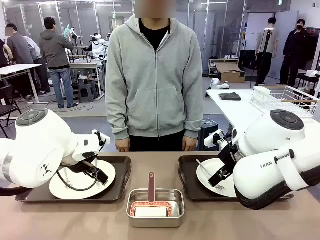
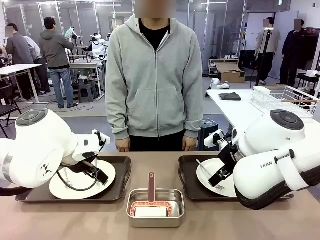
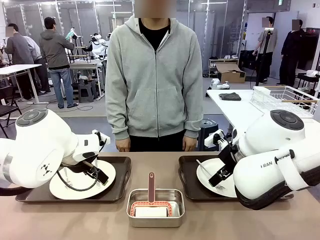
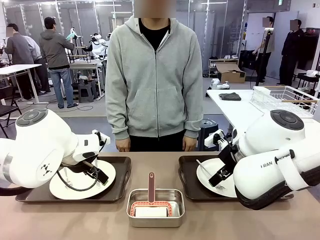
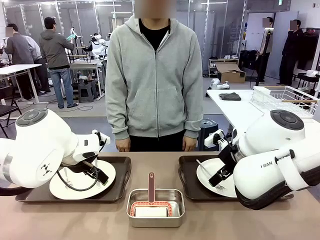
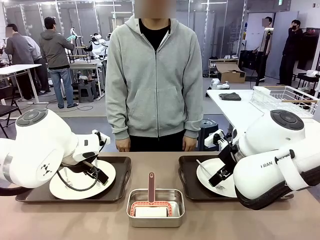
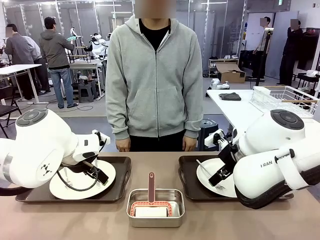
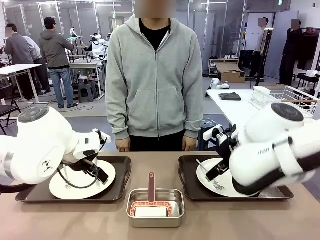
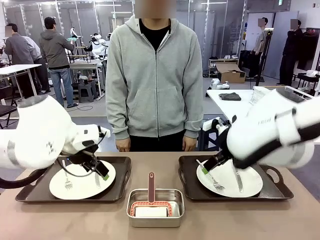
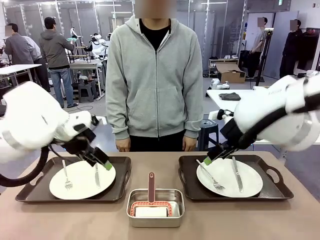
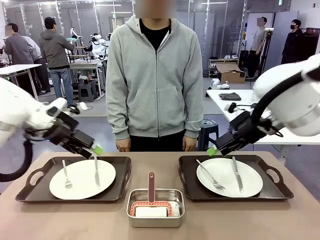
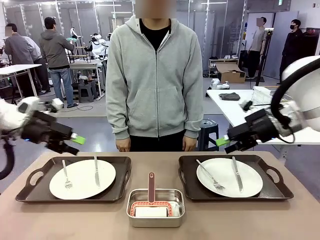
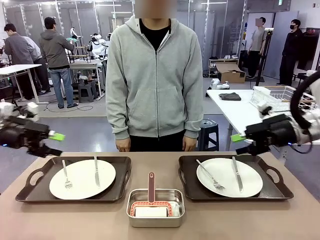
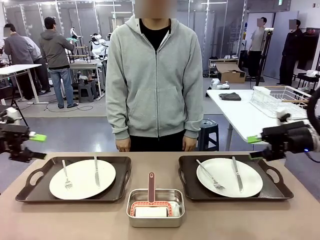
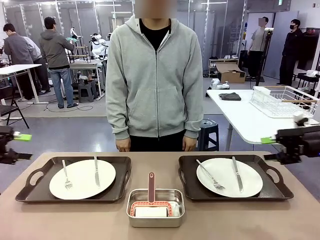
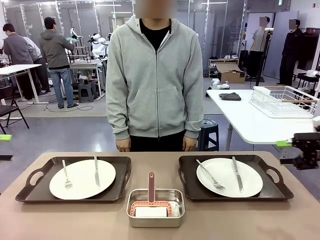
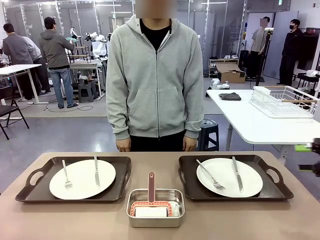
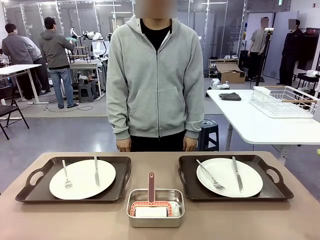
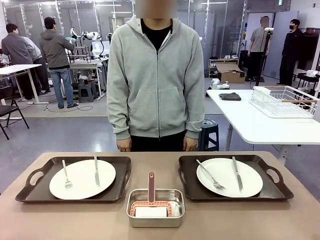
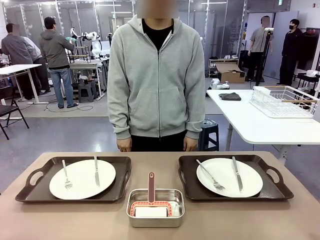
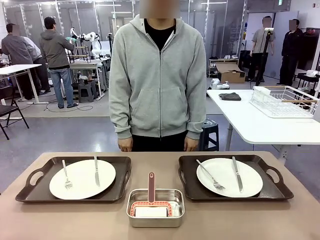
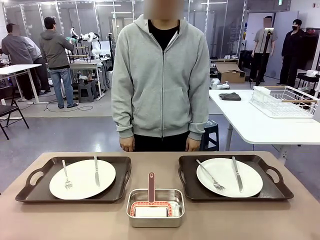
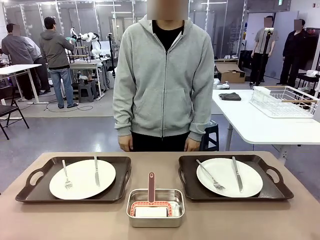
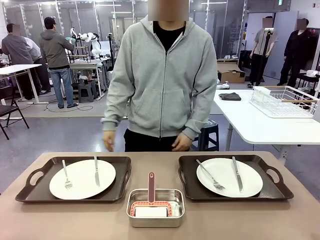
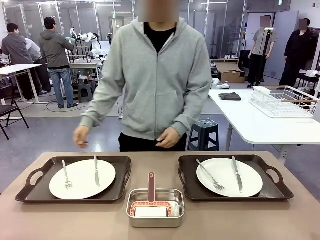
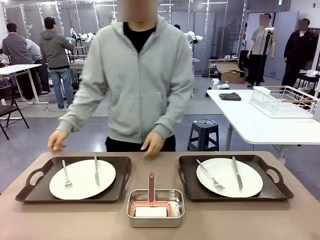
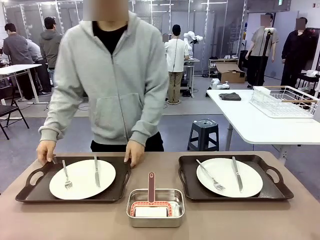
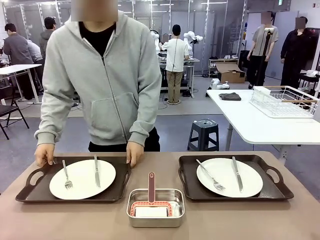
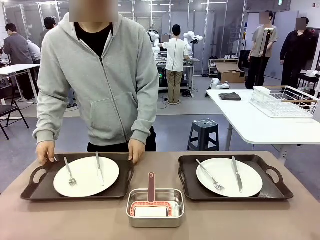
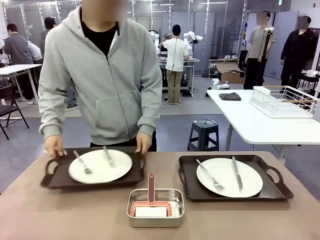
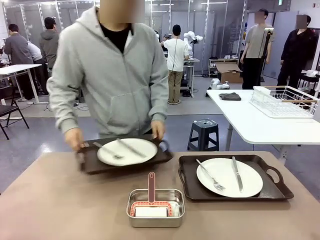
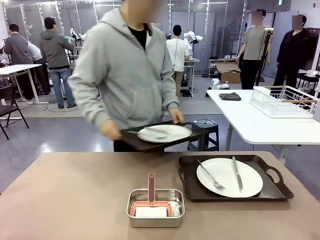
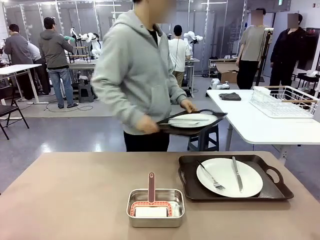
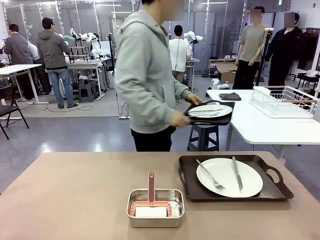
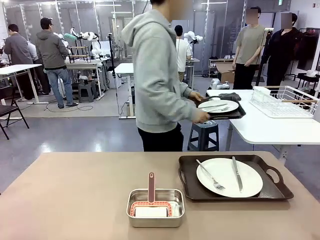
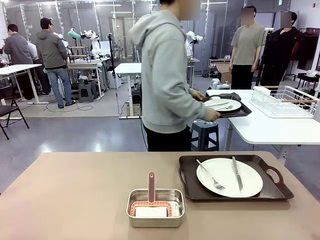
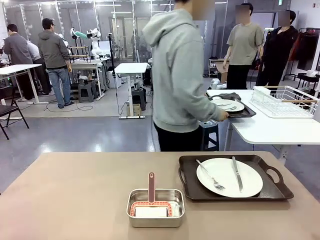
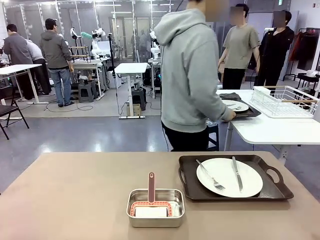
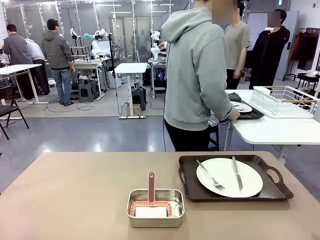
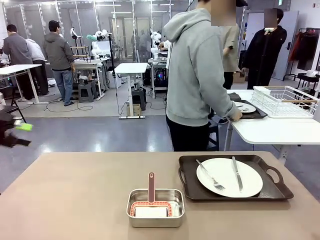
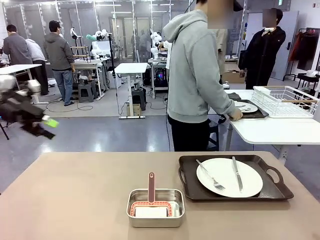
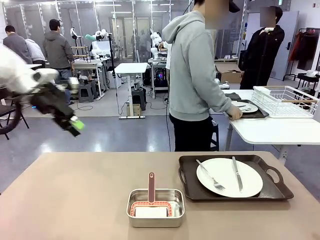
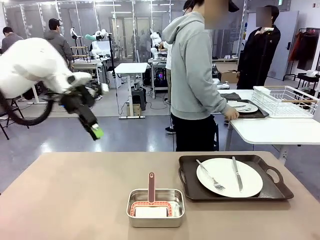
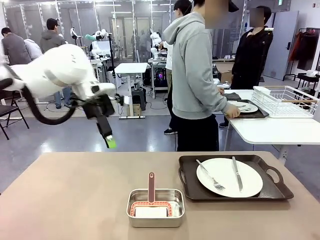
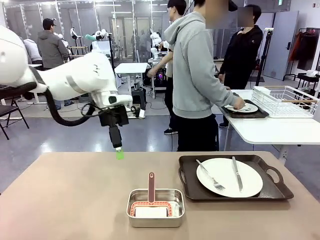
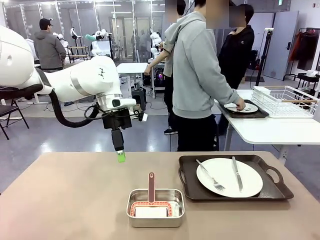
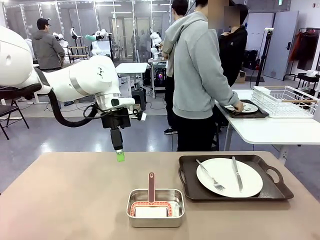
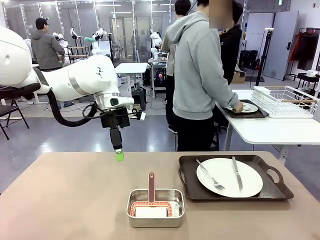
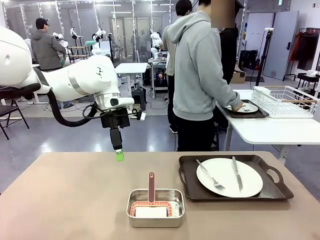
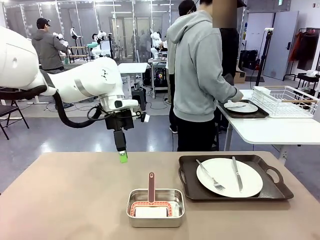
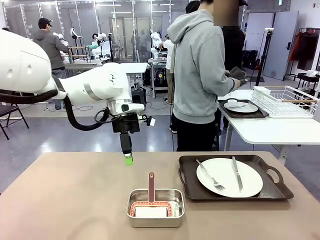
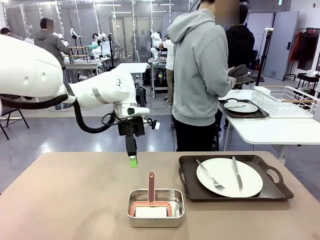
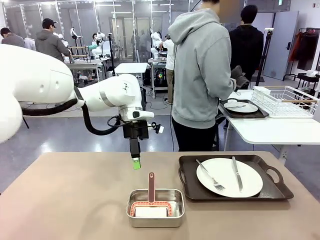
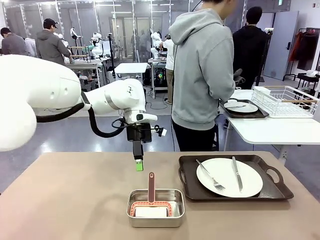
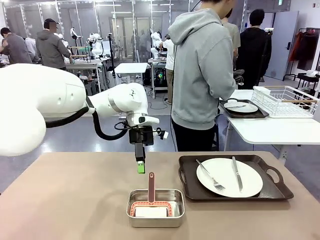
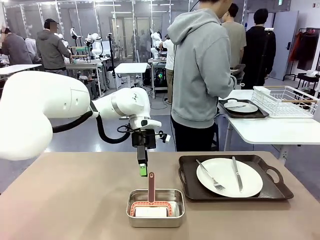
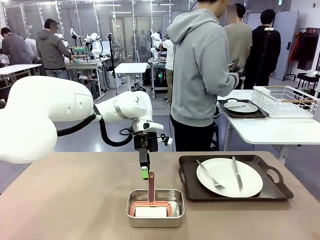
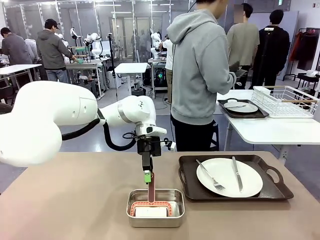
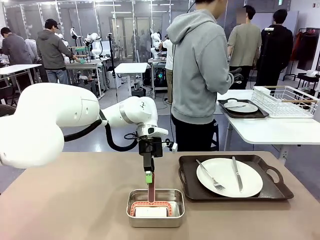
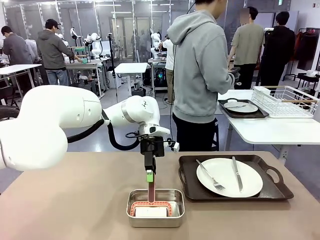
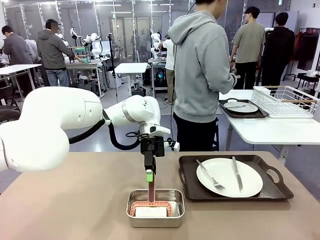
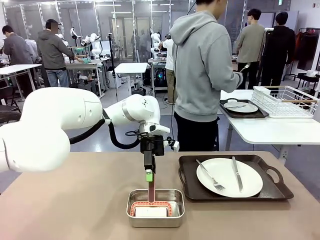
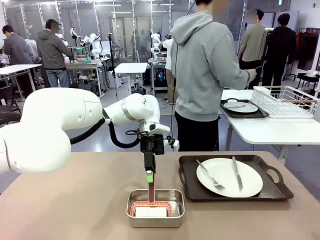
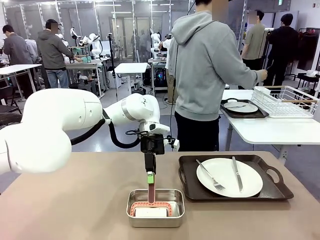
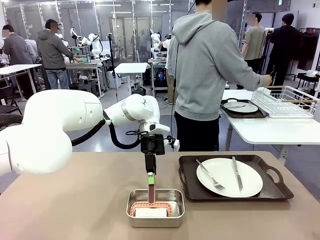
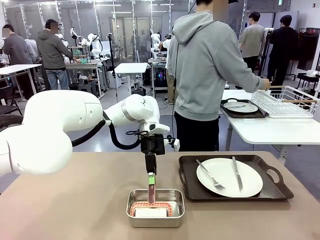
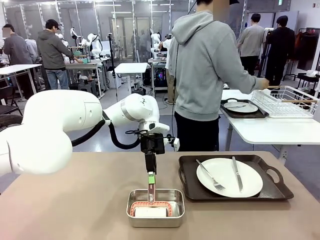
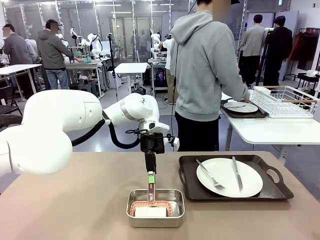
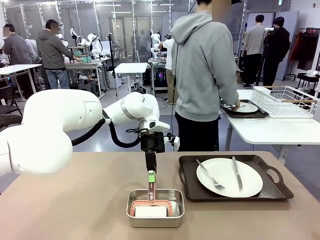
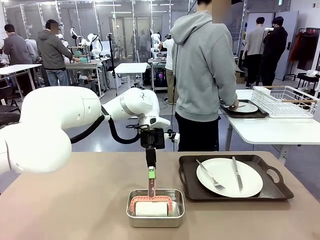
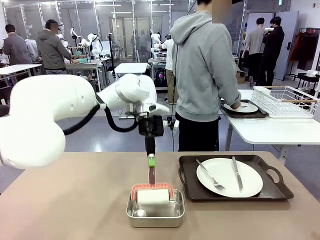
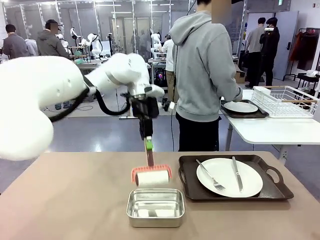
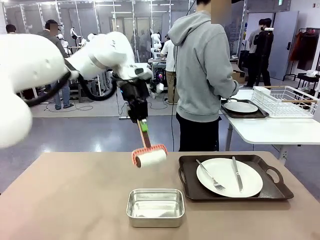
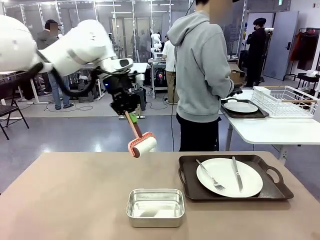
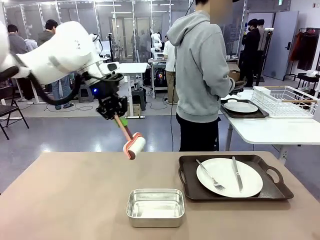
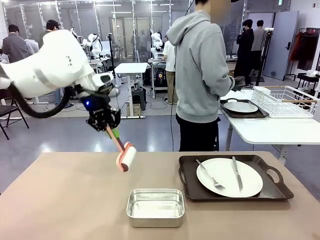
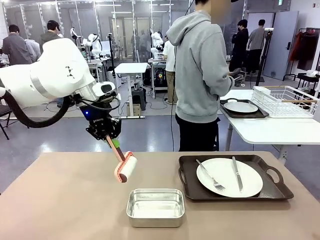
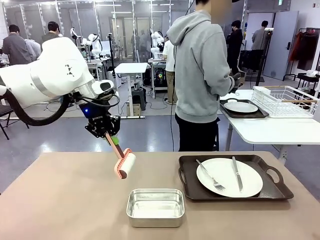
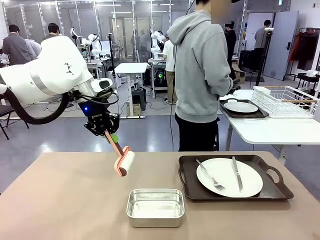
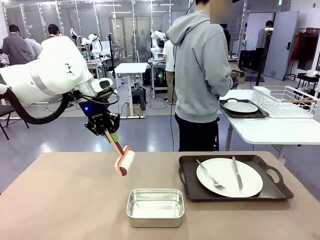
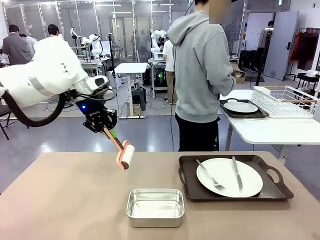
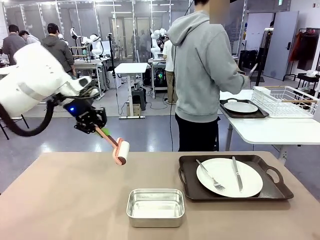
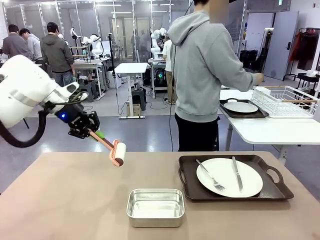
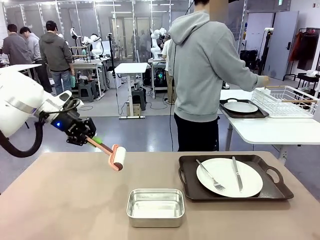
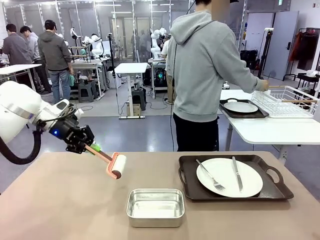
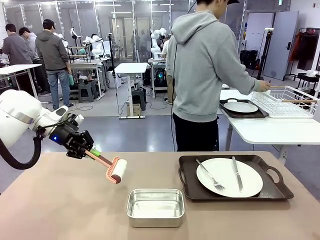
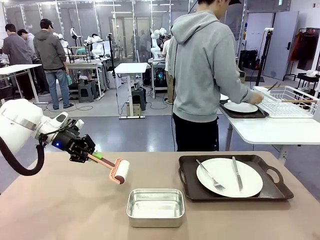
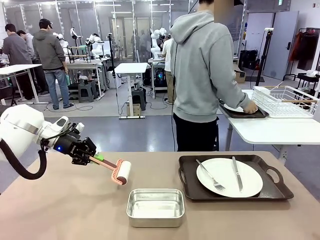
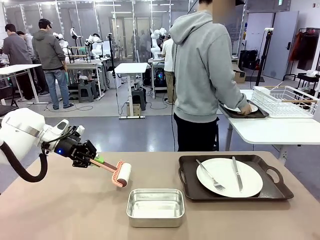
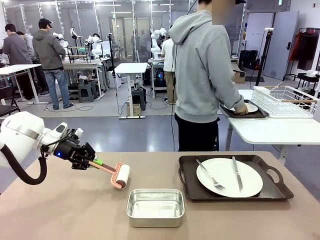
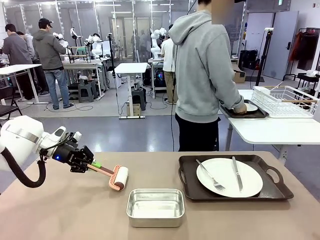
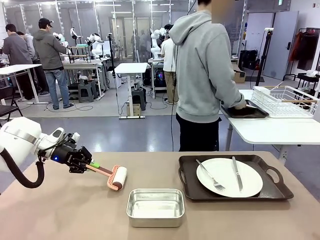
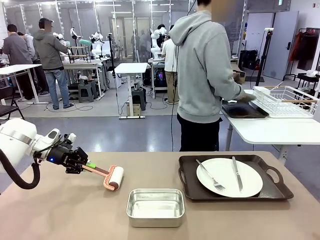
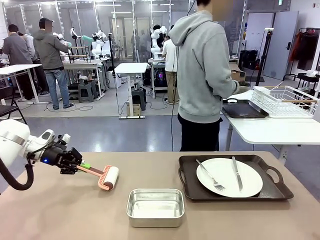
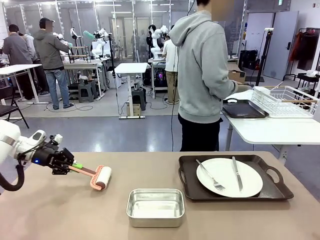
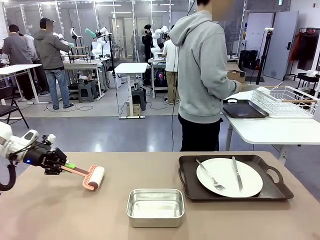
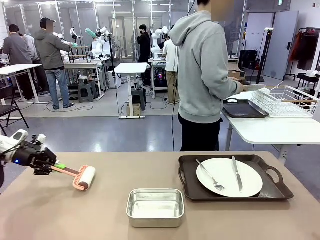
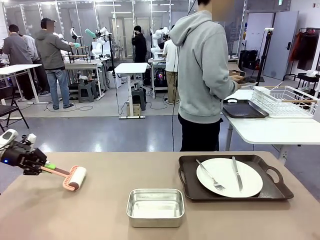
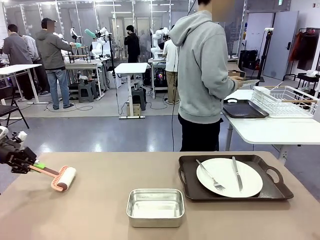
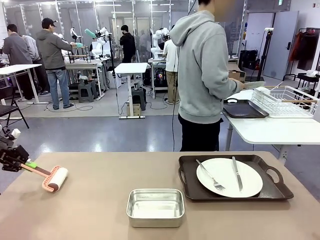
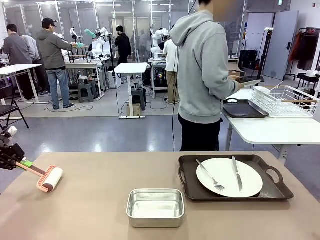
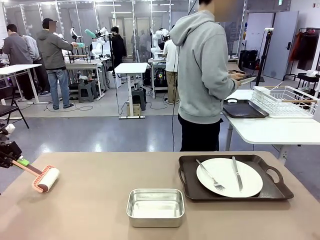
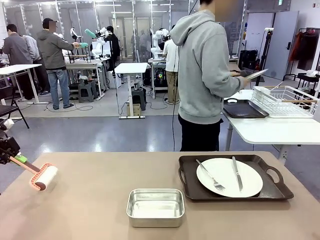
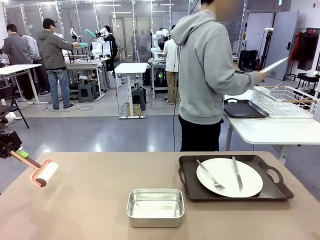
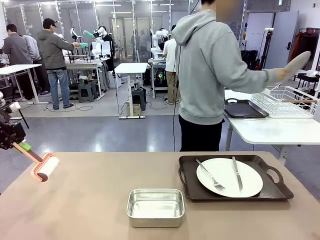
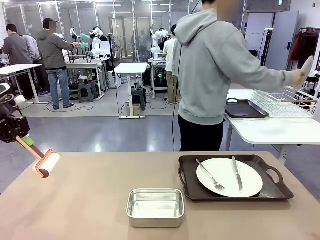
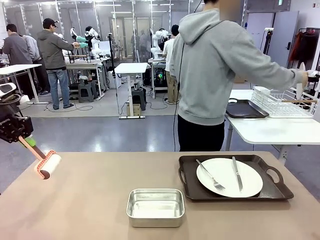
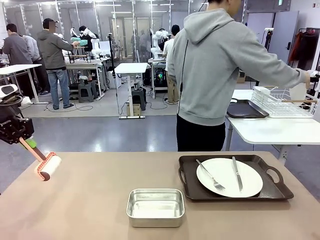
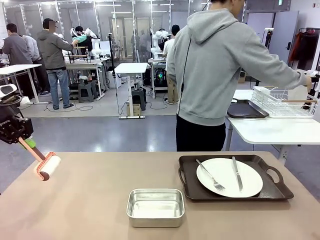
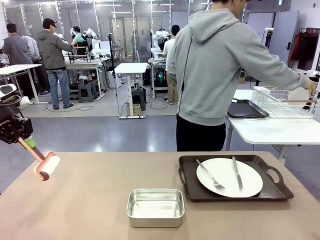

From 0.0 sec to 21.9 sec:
Robot: When the left (or right) Handle tray is removed, use the left hand (or right hand) to clean the left (or right) side of the table with the Lint Roller.
Person: Pick up the left (or right) Handle tray and place it on the middle of the Human's table. Use the Towel with hook to wipe the Plastic Matte Plate , Fork , and Knife and place into the Dish drying rack.
